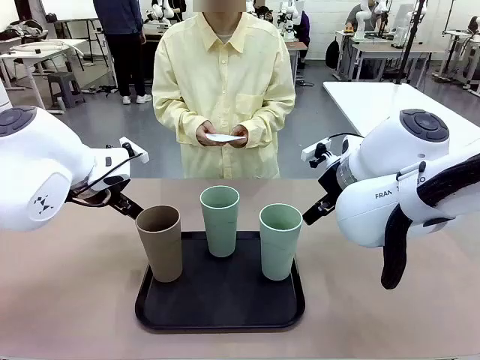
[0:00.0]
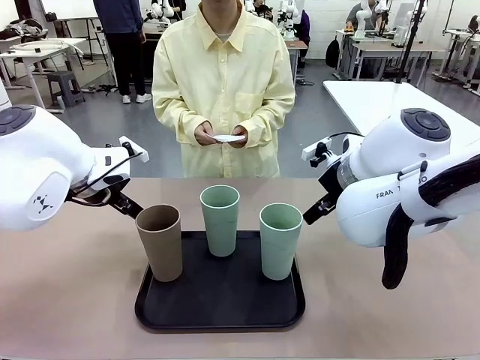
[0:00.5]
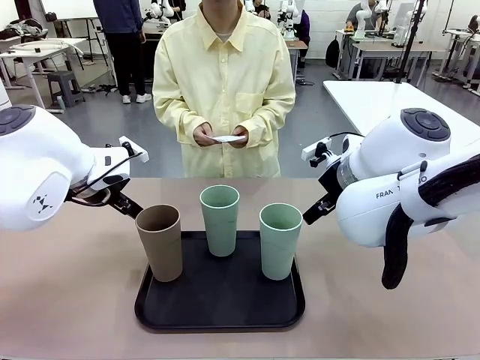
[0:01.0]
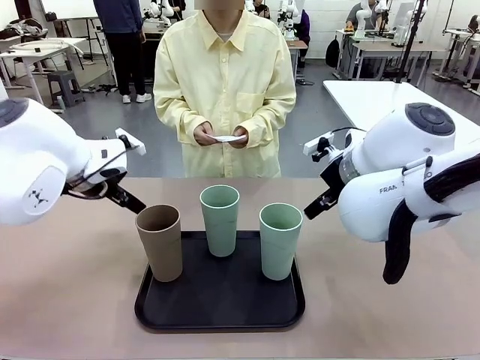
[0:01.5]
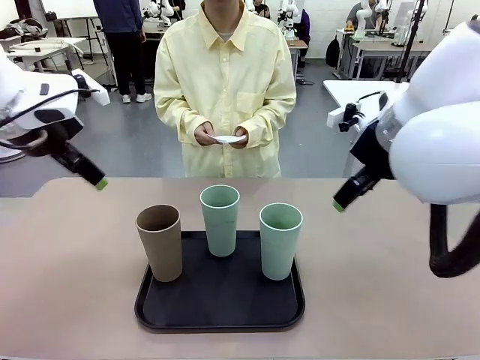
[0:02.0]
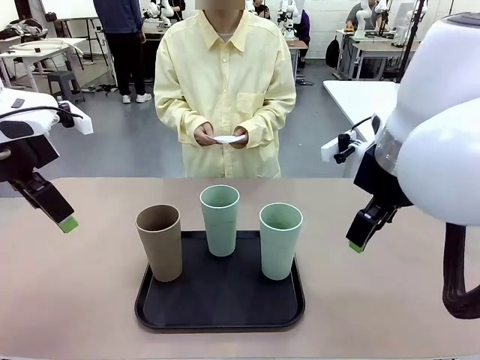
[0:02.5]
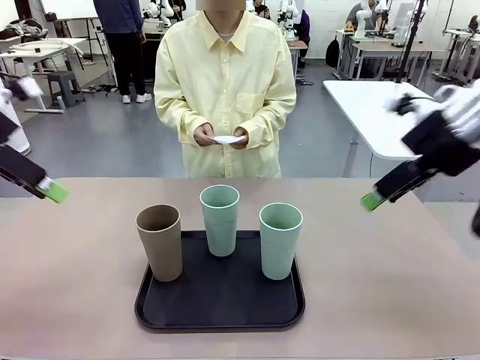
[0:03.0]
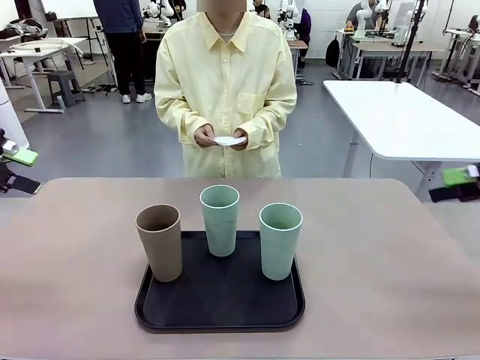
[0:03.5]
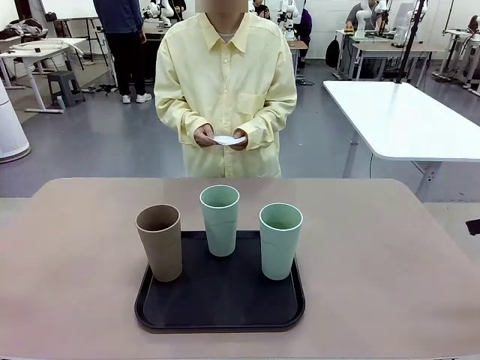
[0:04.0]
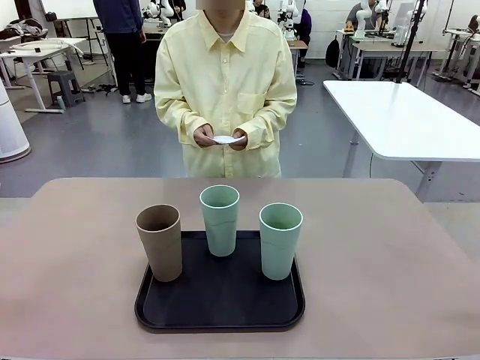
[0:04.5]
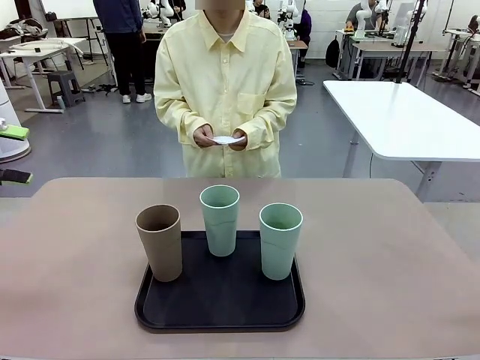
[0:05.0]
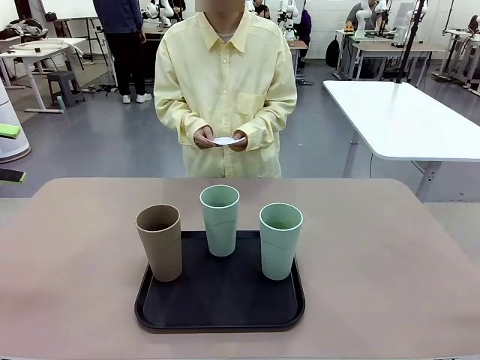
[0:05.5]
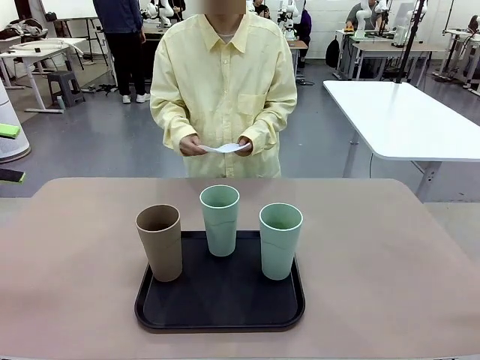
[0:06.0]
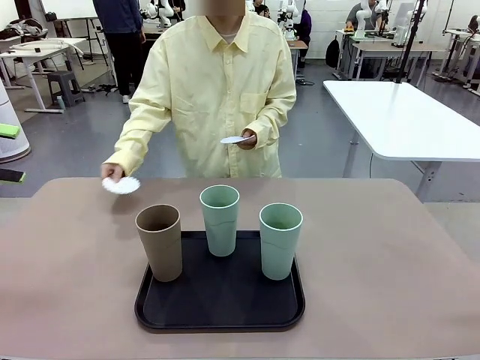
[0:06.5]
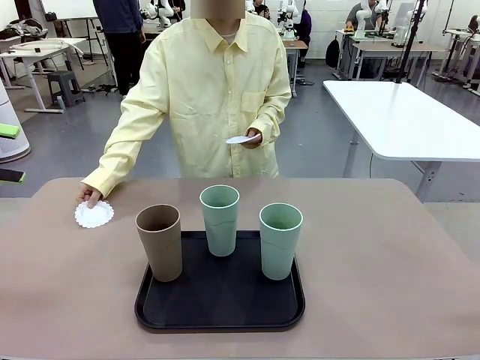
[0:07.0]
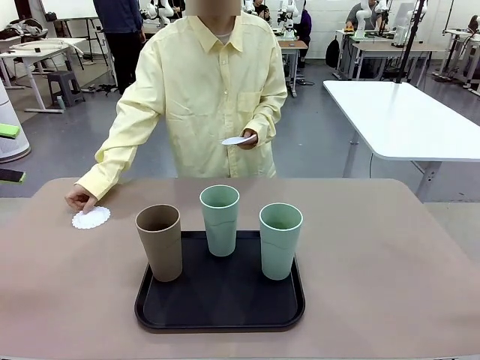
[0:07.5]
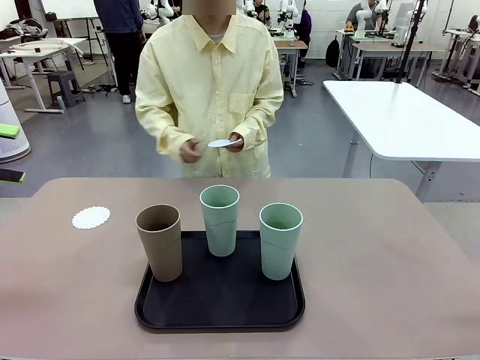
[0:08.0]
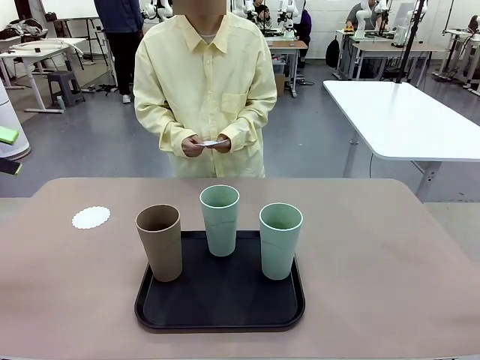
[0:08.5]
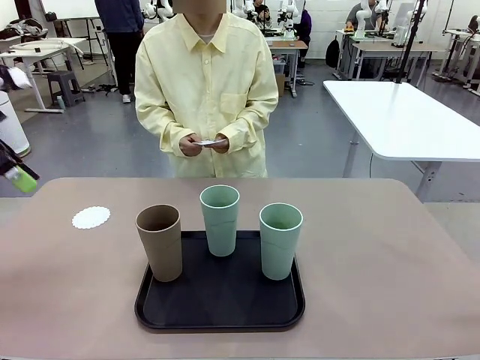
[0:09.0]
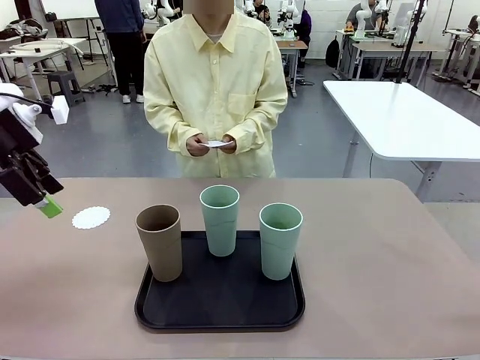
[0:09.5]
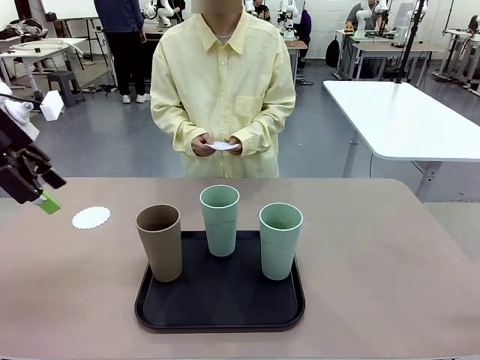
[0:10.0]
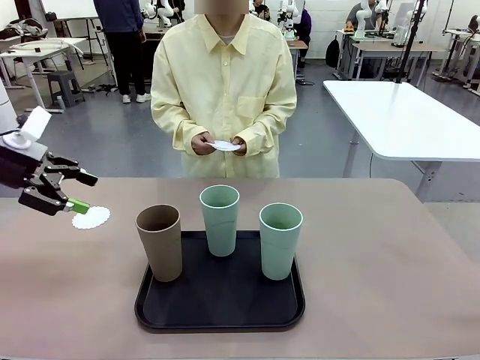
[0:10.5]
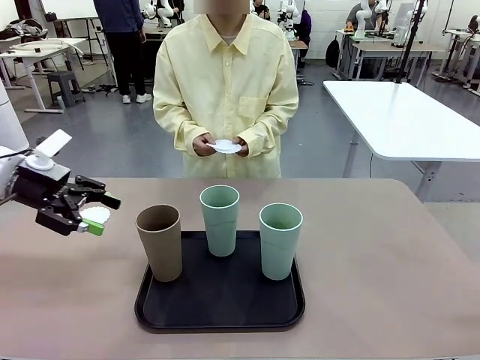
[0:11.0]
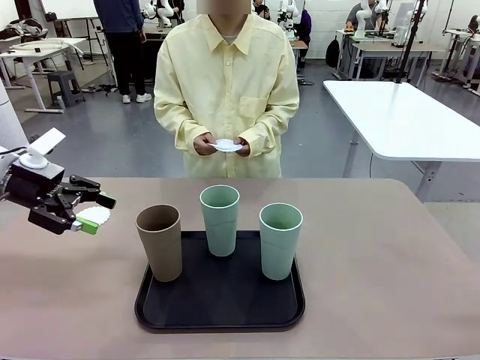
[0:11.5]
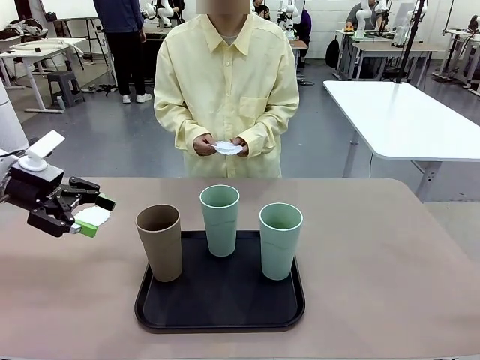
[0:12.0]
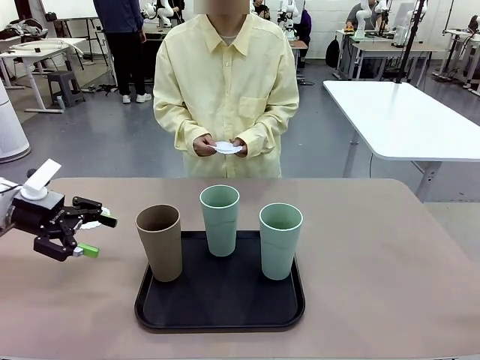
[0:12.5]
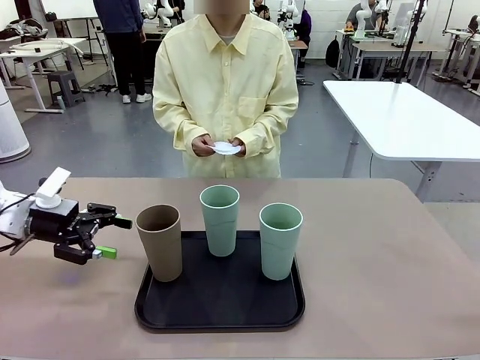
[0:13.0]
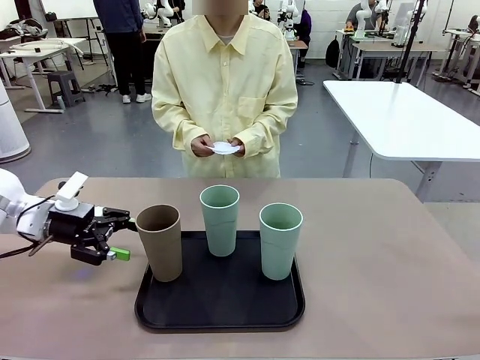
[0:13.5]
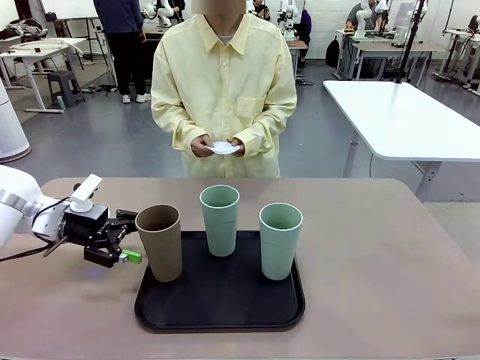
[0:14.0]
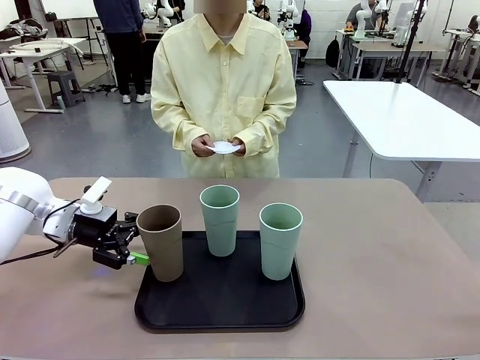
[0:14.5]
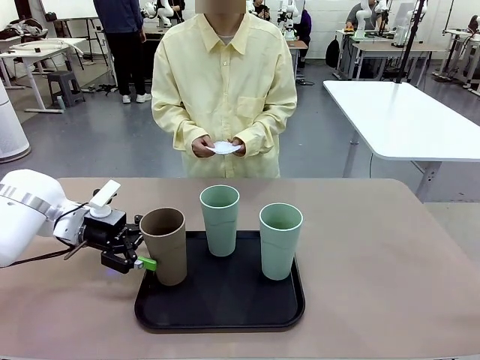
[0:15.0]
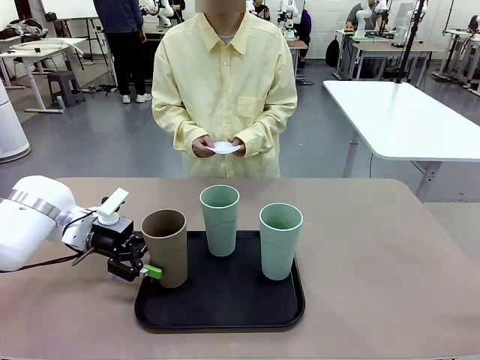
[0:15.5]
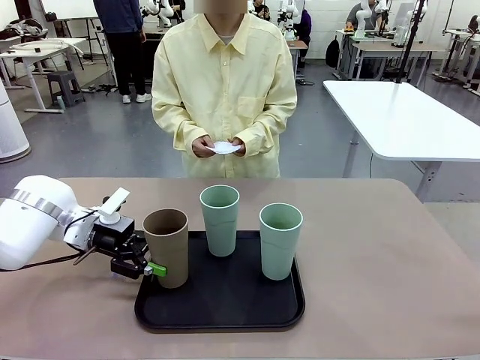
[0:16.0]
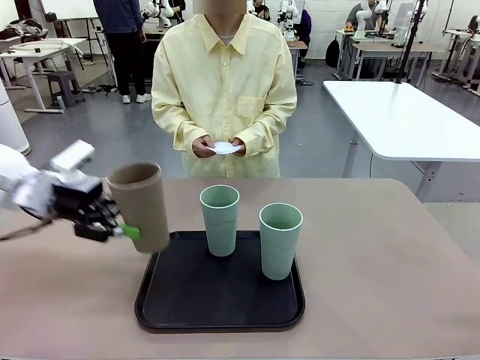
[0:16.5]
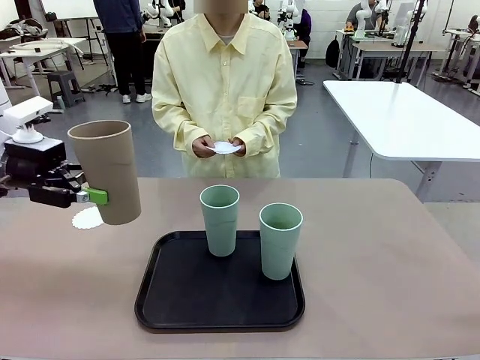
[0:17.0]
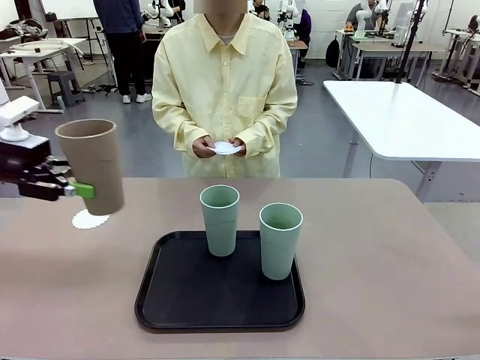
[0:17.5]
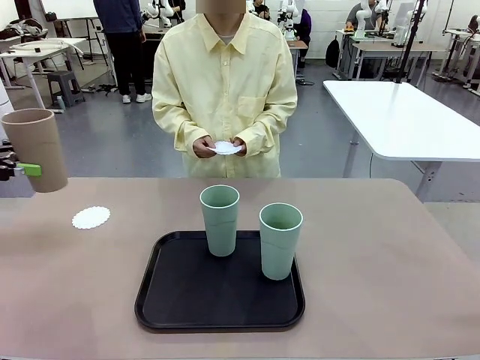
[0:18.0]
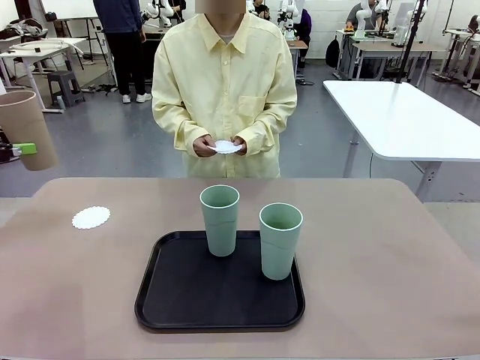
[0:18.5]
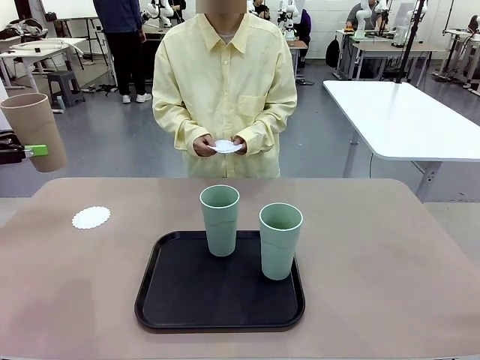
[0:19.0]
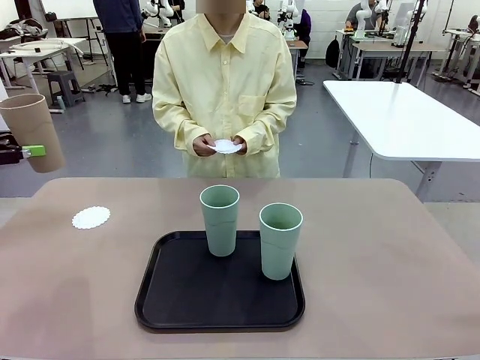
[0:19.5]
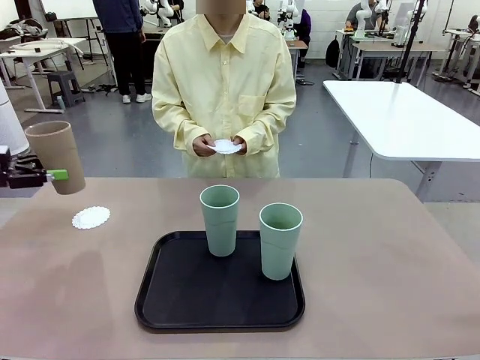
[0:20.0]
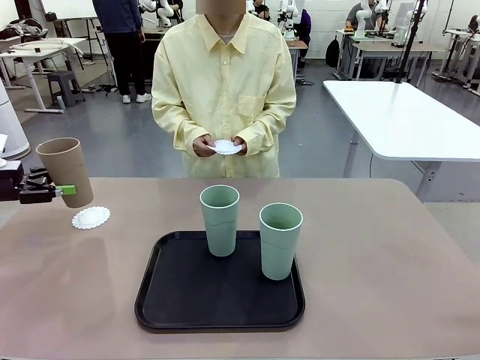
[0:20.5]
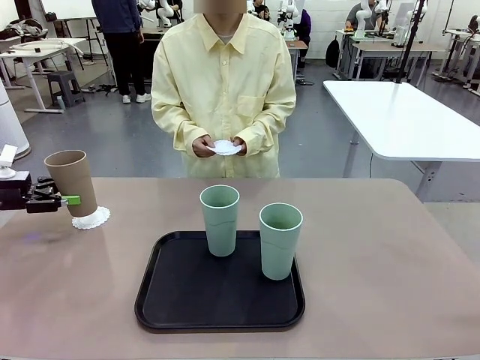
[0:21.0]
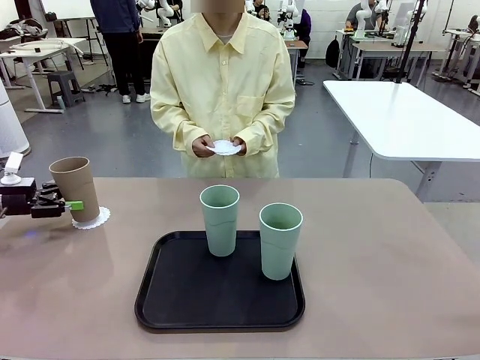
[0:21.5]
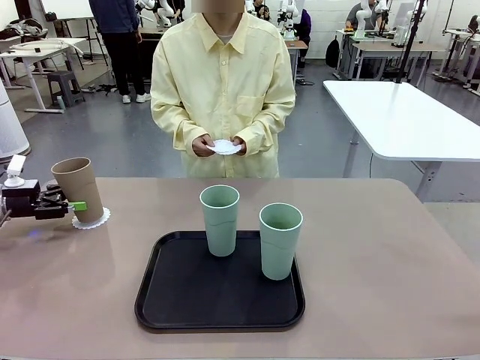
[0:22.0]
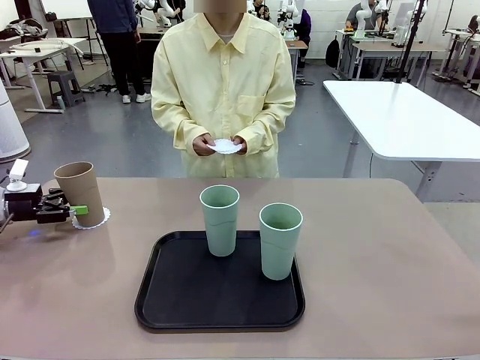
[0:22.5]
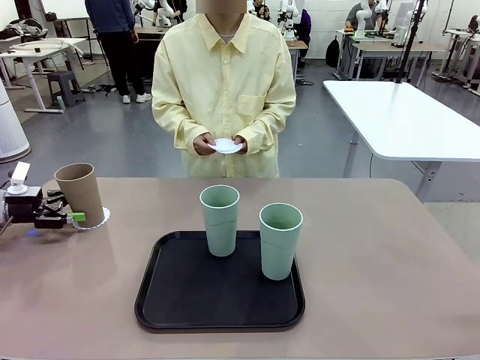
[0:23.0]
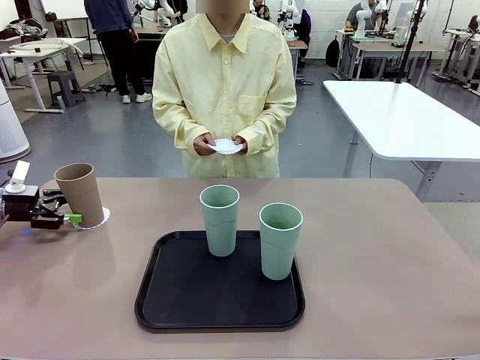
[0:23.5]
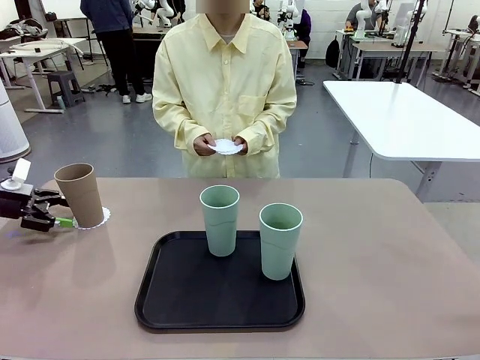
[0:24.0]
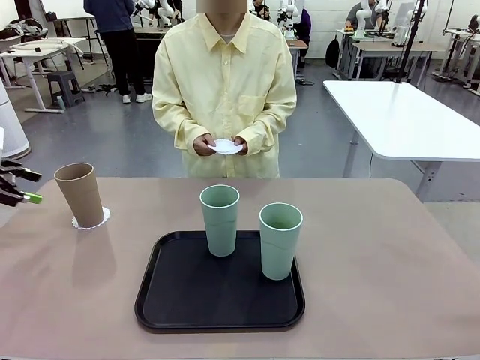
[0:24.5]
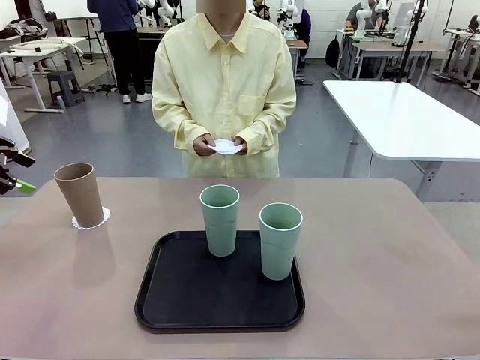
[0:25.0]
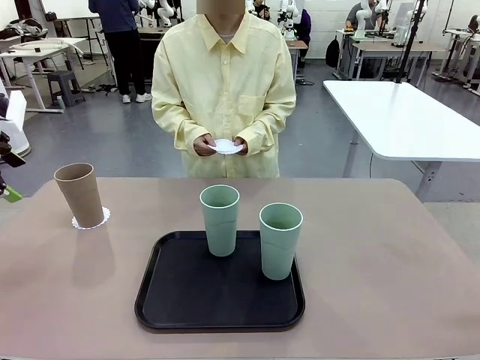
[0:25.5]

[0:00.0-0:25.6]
Task: Place coasters on the table and set cups on them.
Robot: Pick up one Reusable plastic cup and place it on a coaster set by the human.
Person: Place one coaster in any one of the three lower areas of the robot table (left, center, or right). Place one coaster in one of the two areas excluding the previously selected area.
